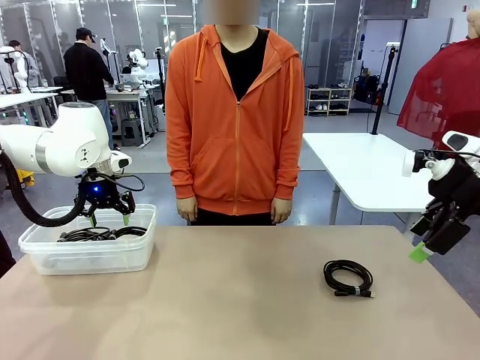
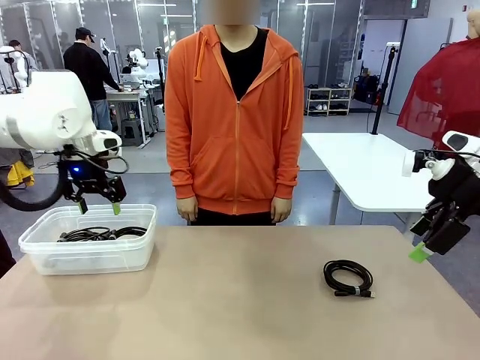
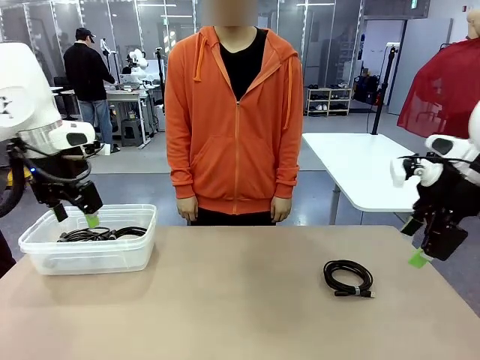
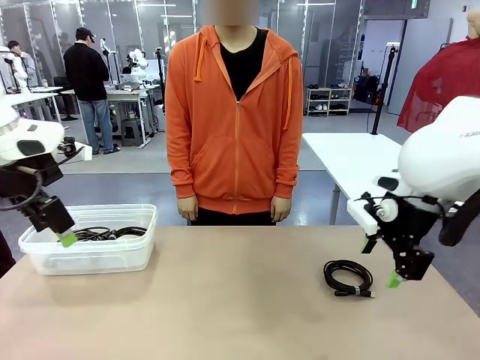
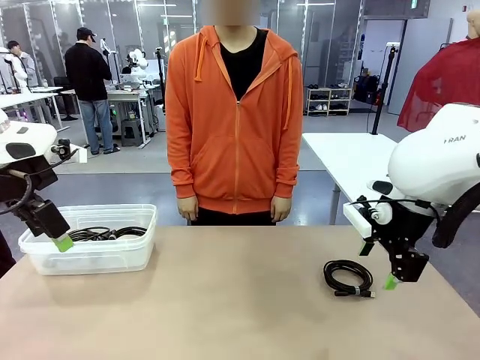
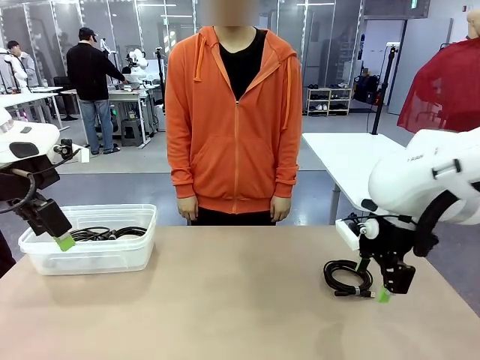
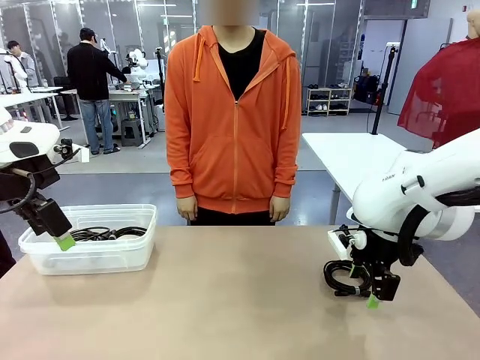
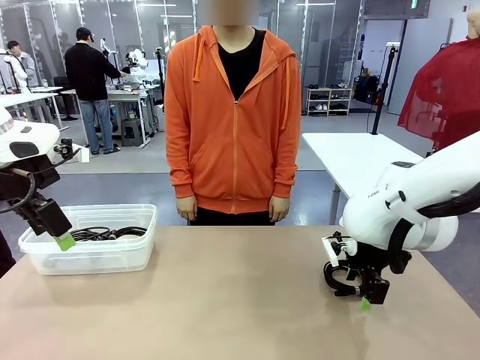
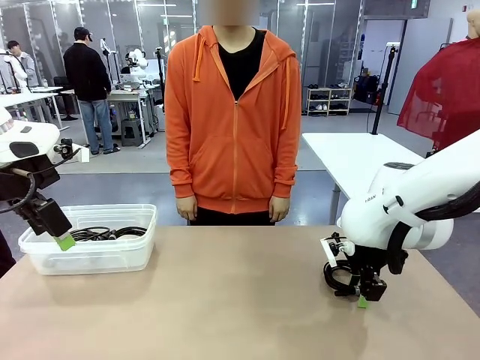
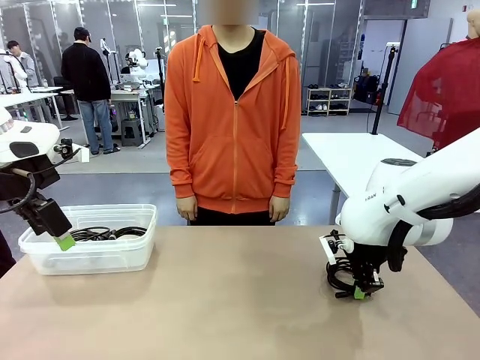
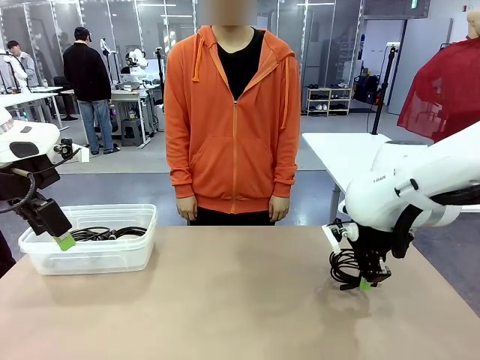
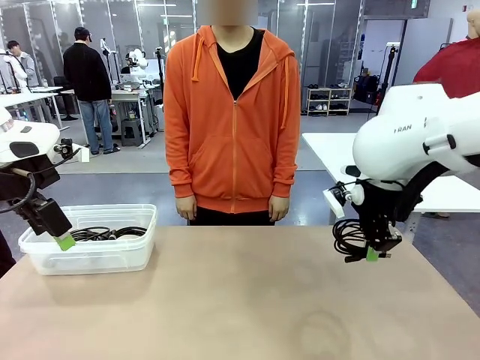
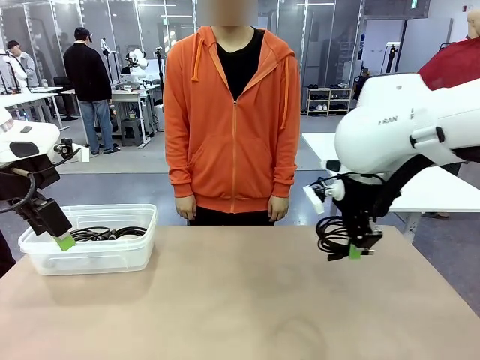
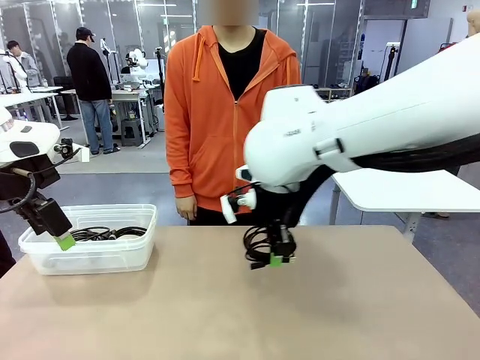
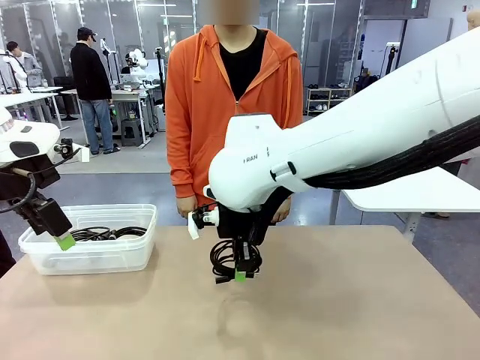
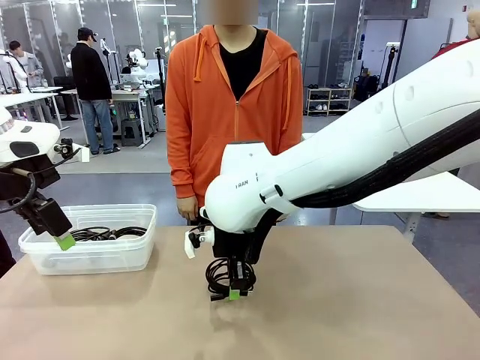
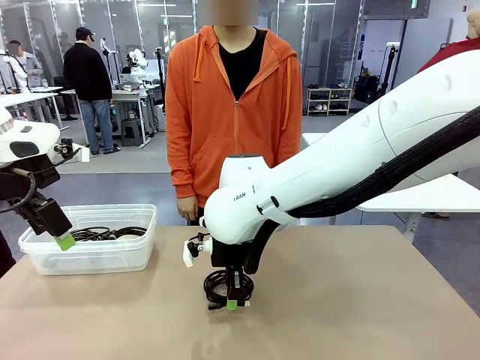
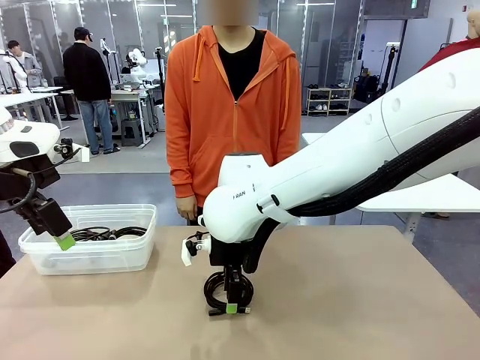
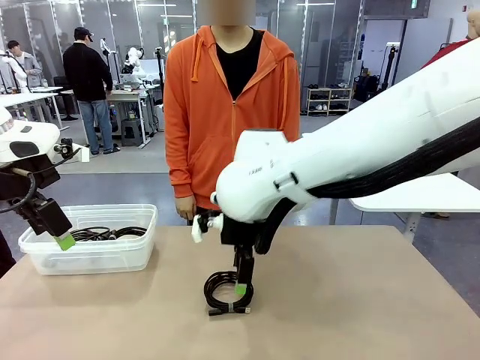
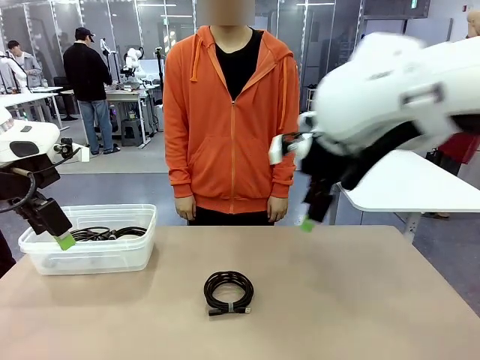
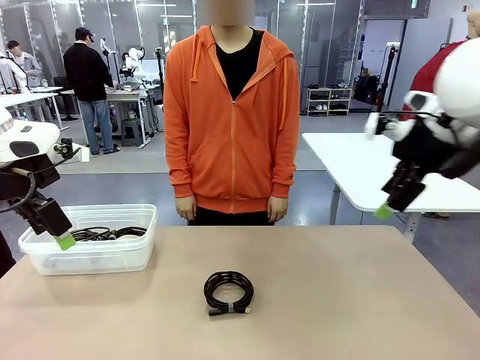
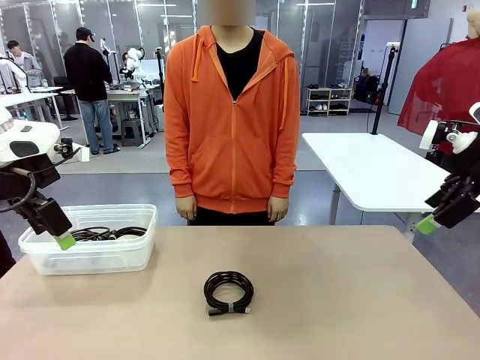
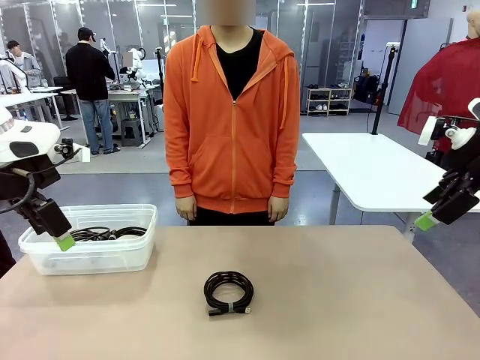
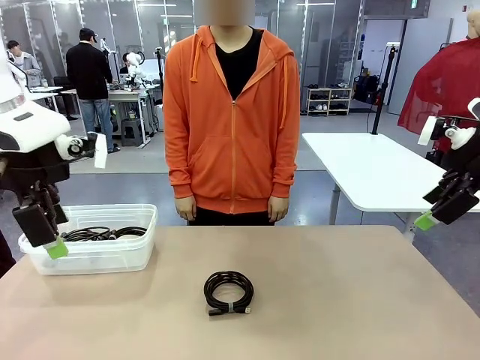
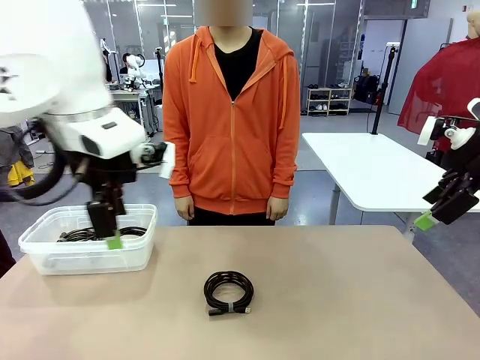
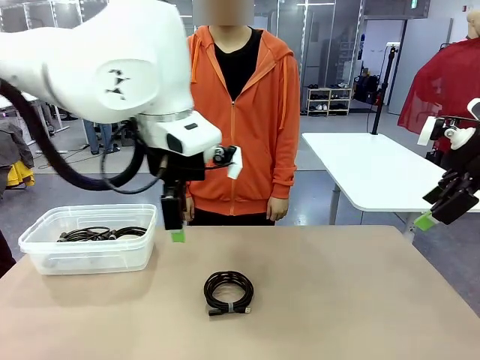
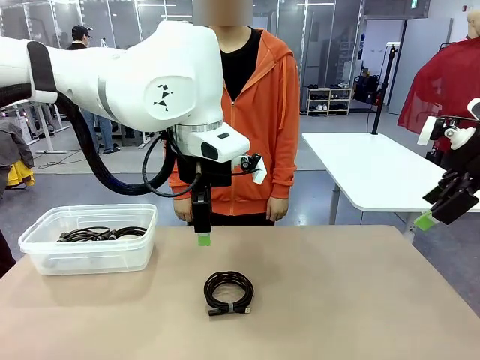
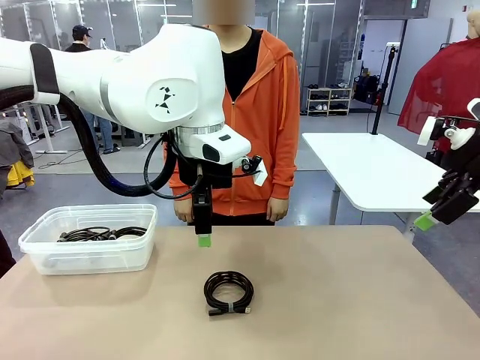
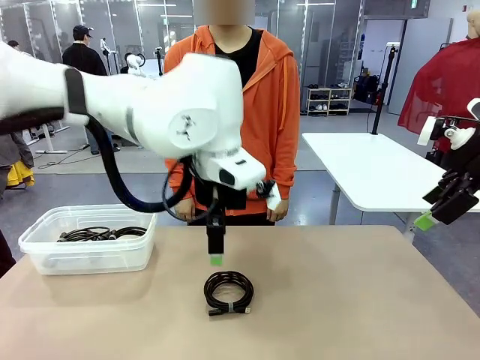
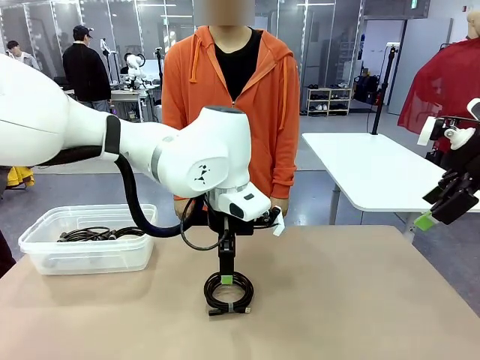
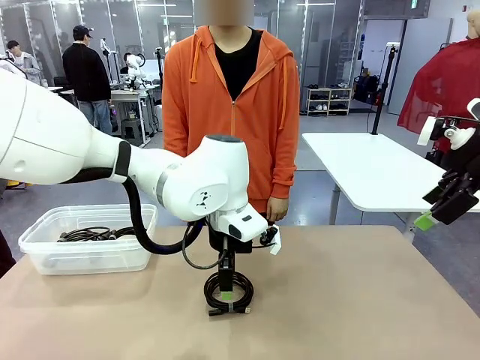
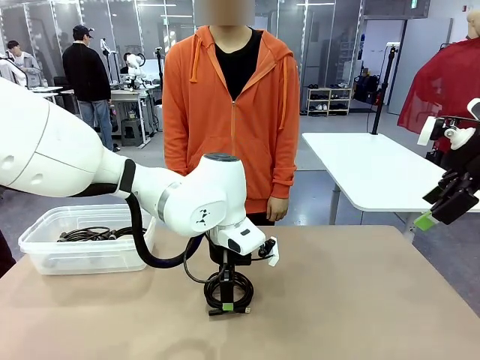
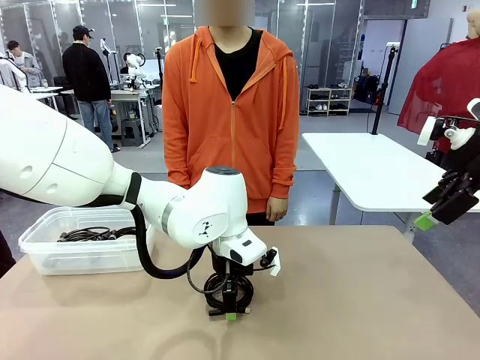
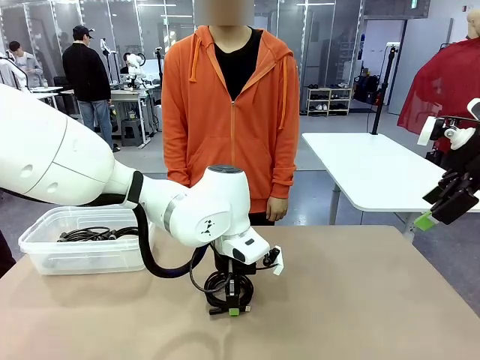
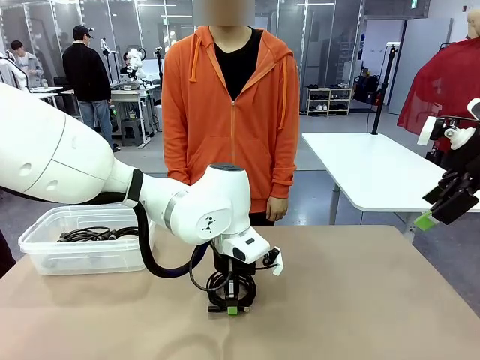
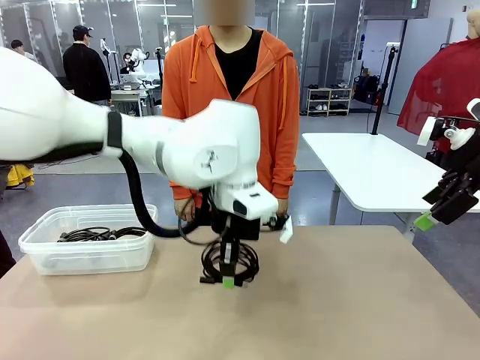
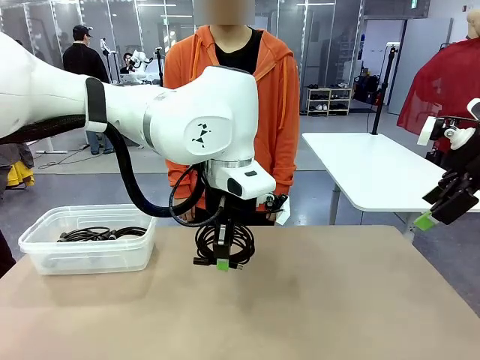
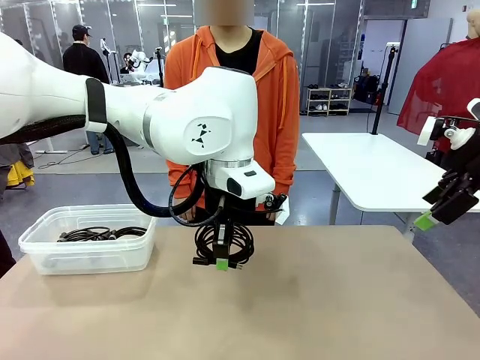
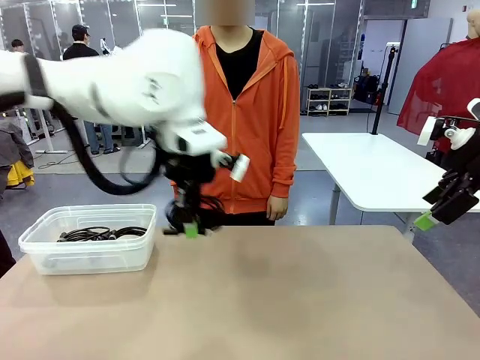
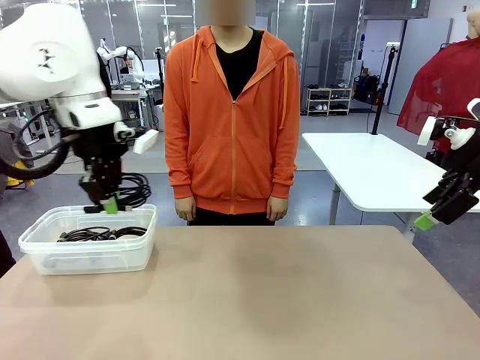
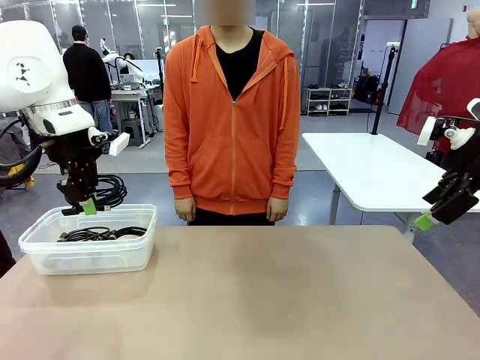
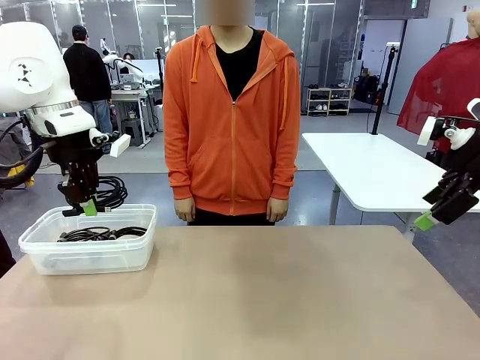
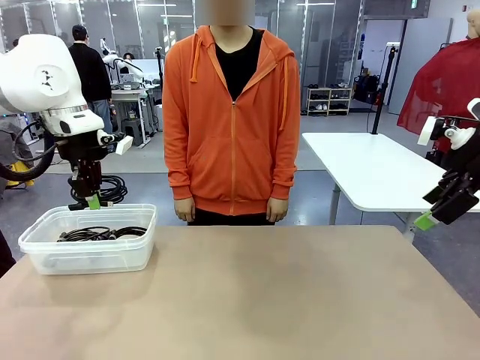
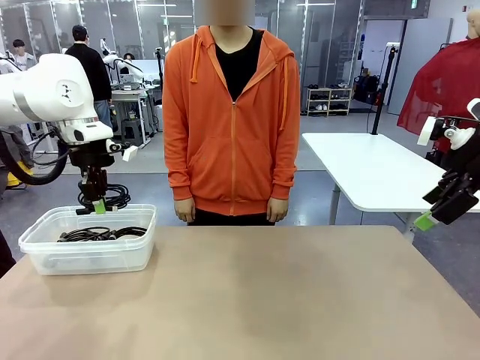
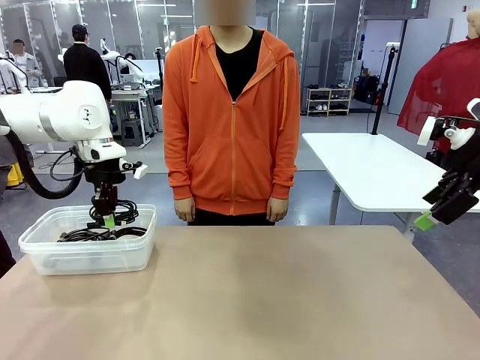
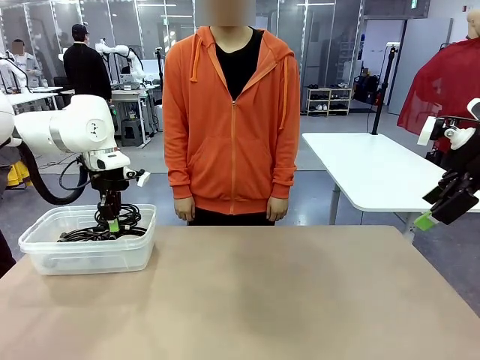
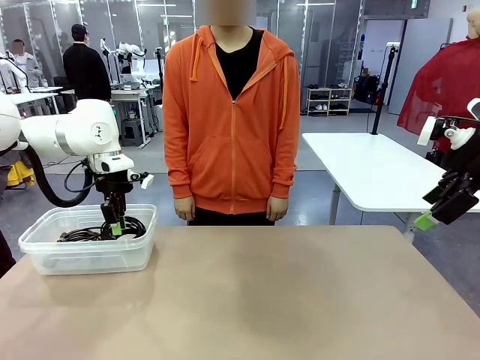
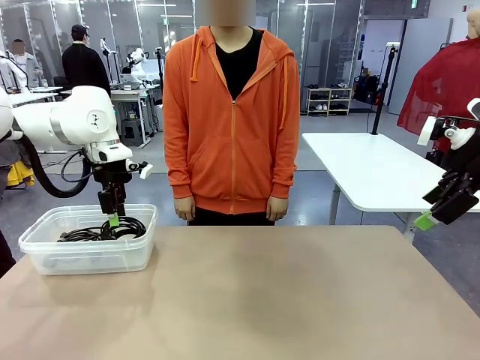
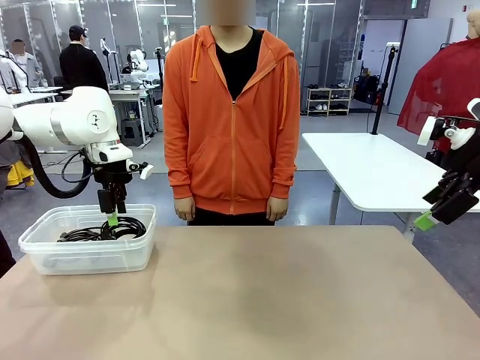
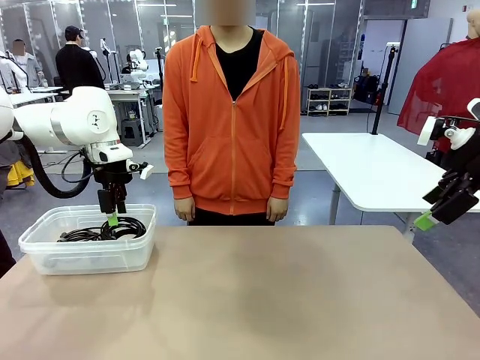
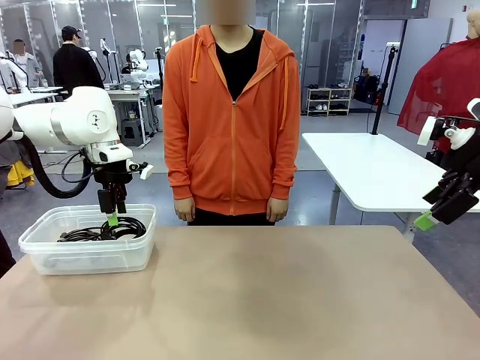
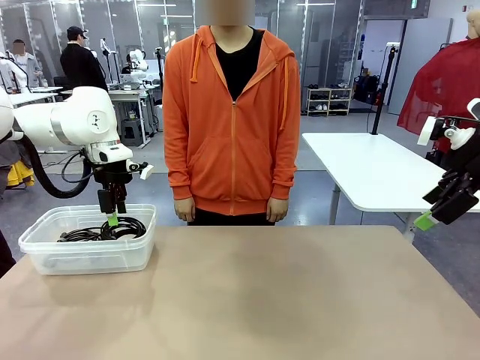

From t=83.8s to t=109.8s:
Task: Organize and store the cables.
Robot: Place the USB Extension Cable into the Organizing box.
